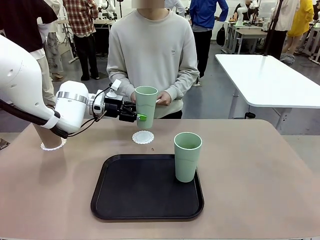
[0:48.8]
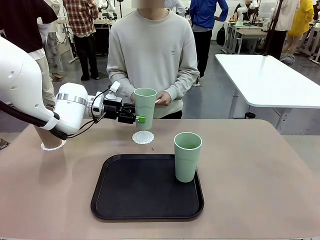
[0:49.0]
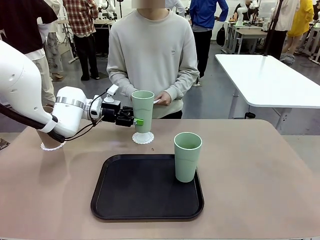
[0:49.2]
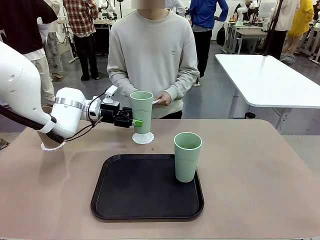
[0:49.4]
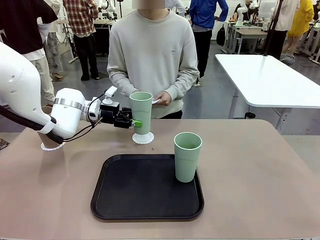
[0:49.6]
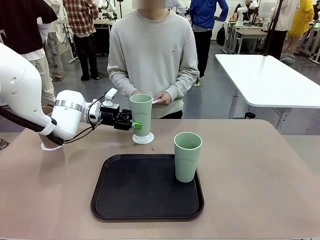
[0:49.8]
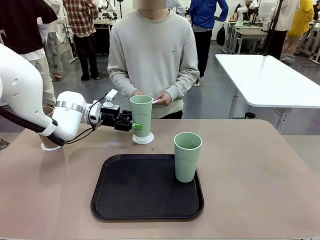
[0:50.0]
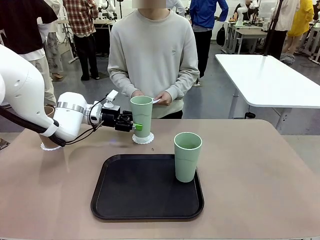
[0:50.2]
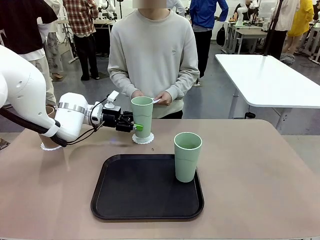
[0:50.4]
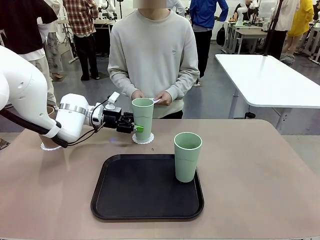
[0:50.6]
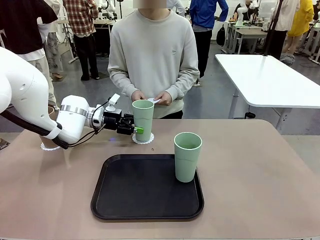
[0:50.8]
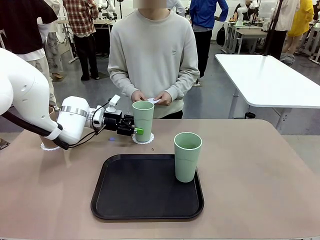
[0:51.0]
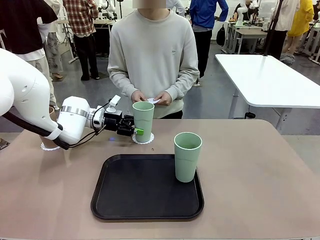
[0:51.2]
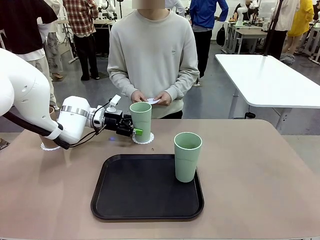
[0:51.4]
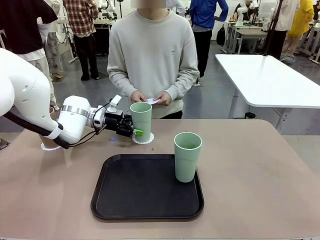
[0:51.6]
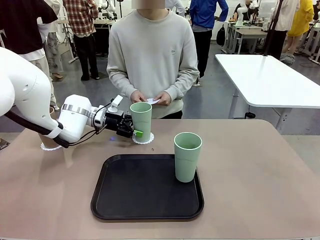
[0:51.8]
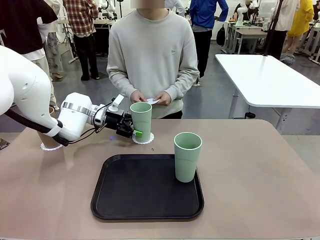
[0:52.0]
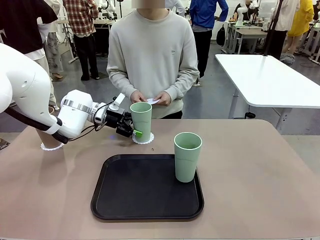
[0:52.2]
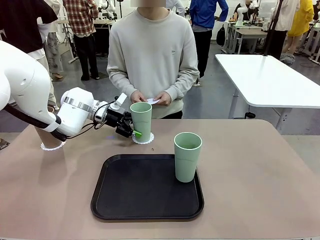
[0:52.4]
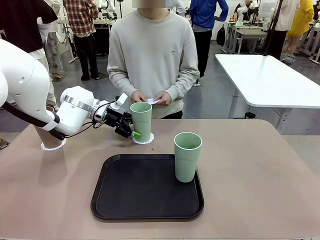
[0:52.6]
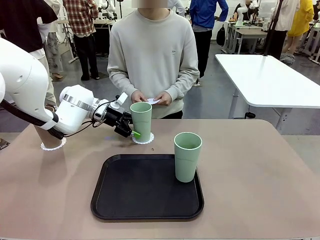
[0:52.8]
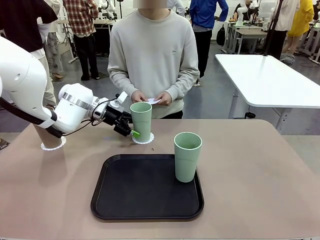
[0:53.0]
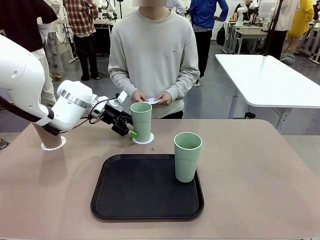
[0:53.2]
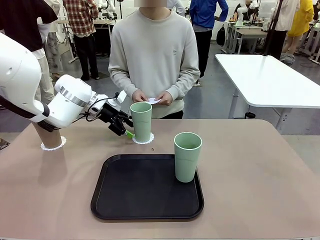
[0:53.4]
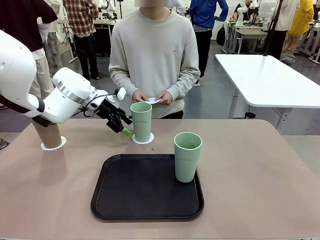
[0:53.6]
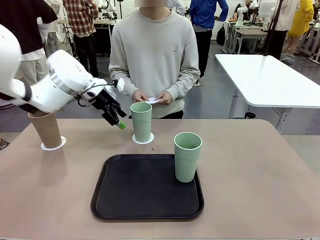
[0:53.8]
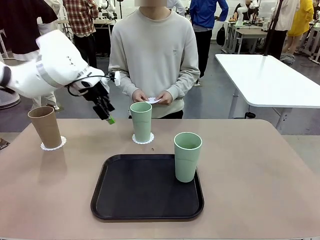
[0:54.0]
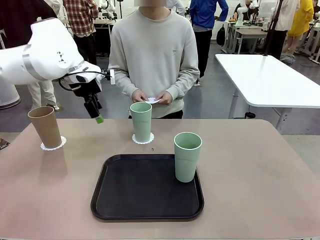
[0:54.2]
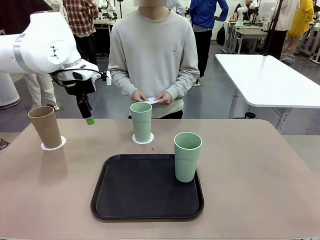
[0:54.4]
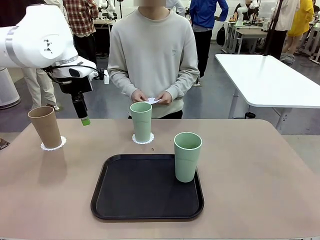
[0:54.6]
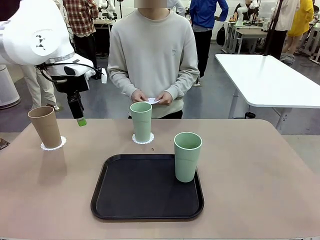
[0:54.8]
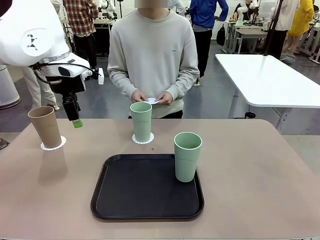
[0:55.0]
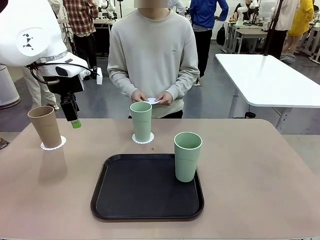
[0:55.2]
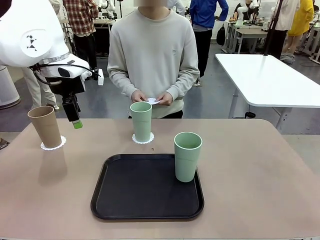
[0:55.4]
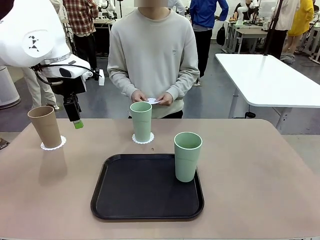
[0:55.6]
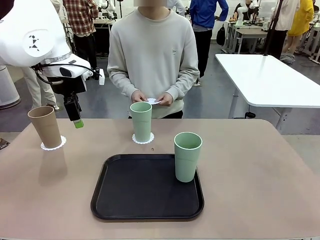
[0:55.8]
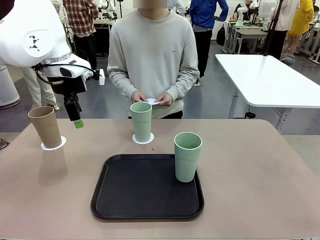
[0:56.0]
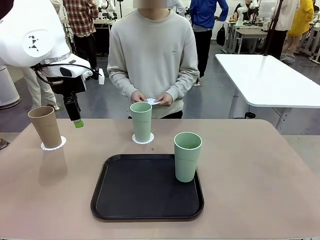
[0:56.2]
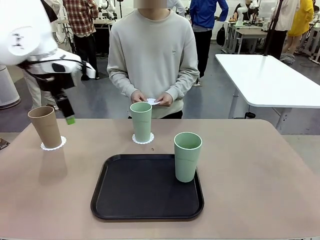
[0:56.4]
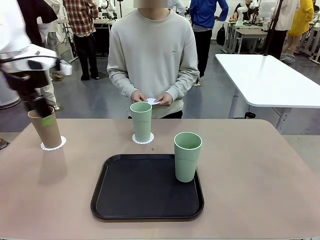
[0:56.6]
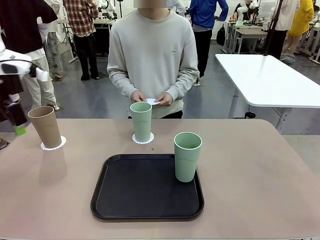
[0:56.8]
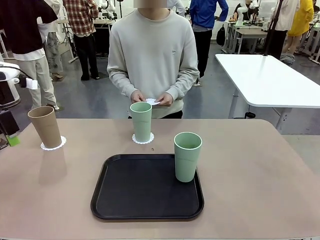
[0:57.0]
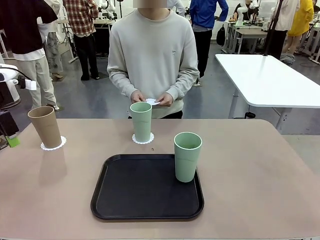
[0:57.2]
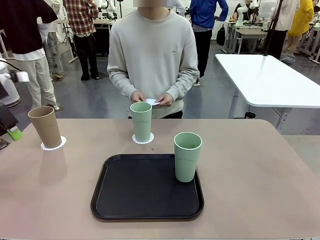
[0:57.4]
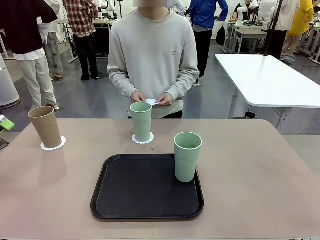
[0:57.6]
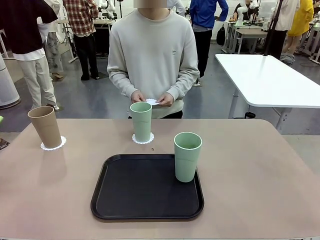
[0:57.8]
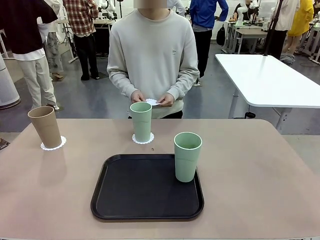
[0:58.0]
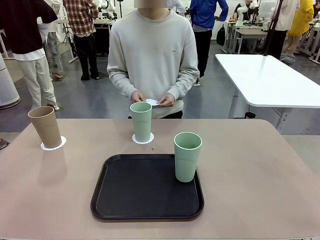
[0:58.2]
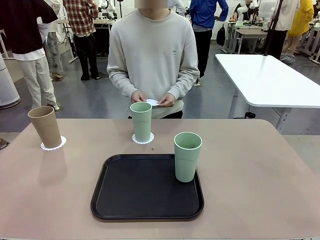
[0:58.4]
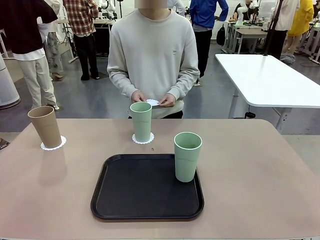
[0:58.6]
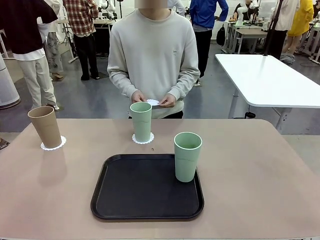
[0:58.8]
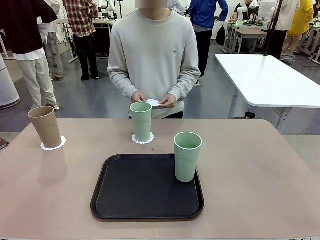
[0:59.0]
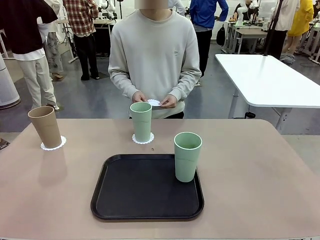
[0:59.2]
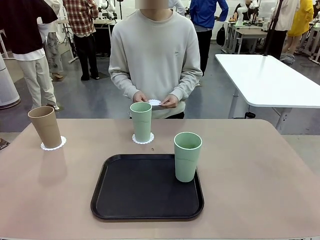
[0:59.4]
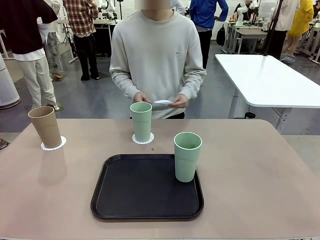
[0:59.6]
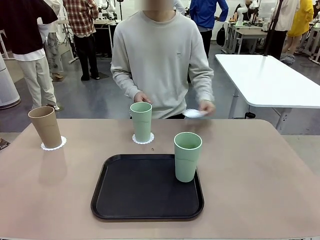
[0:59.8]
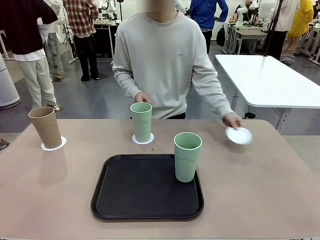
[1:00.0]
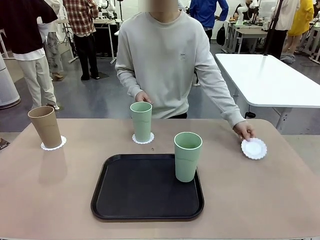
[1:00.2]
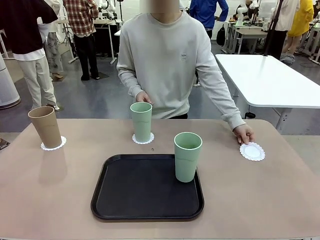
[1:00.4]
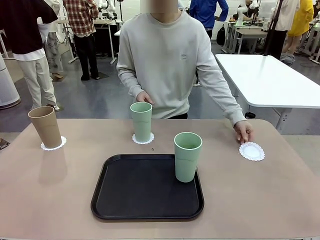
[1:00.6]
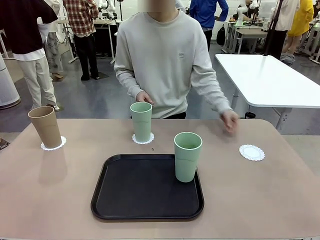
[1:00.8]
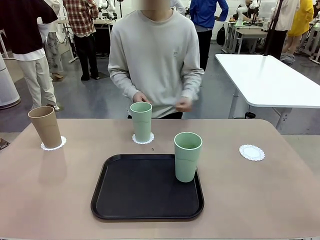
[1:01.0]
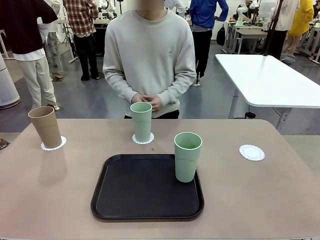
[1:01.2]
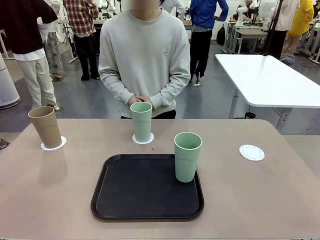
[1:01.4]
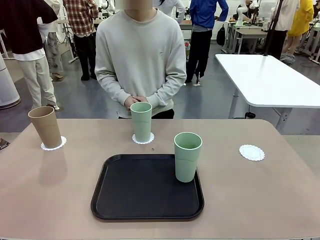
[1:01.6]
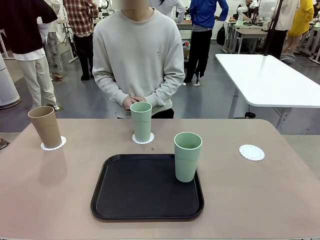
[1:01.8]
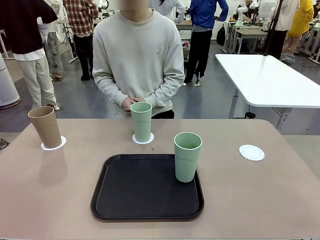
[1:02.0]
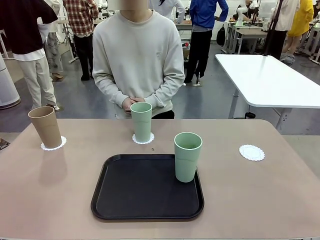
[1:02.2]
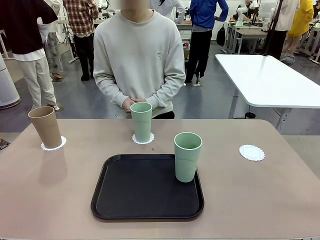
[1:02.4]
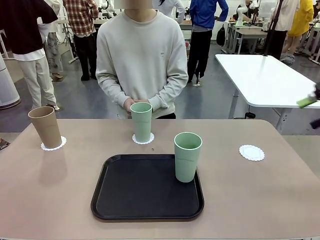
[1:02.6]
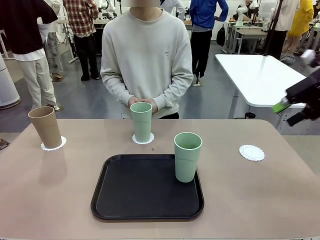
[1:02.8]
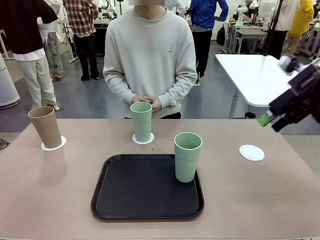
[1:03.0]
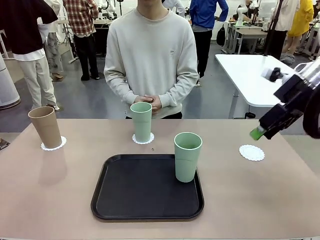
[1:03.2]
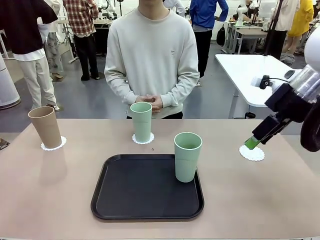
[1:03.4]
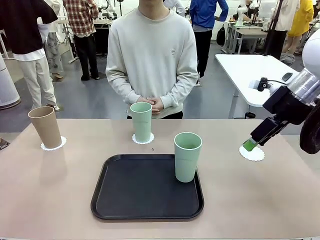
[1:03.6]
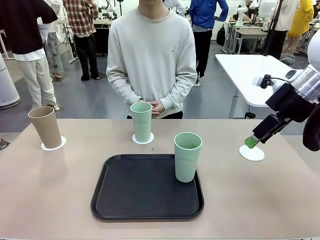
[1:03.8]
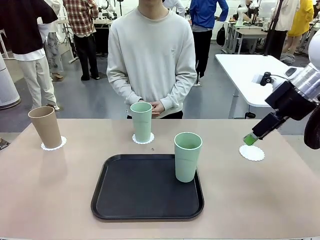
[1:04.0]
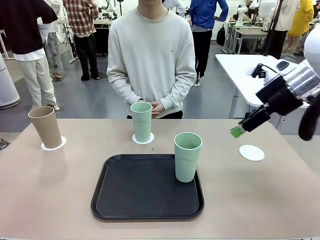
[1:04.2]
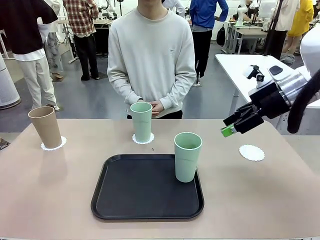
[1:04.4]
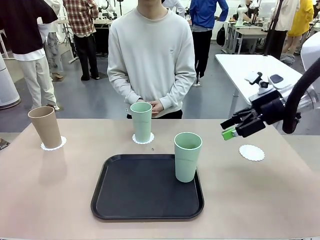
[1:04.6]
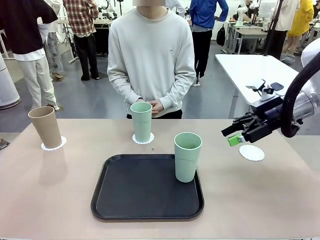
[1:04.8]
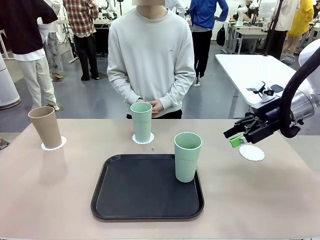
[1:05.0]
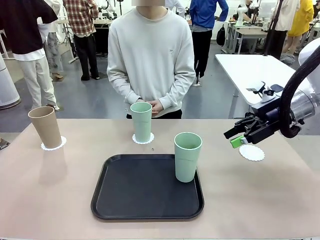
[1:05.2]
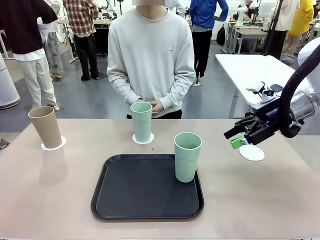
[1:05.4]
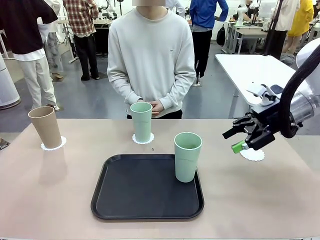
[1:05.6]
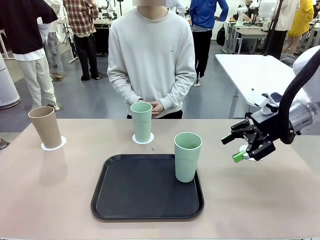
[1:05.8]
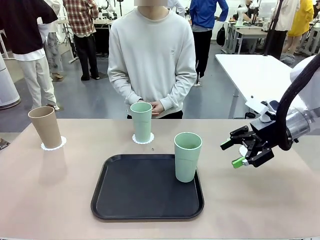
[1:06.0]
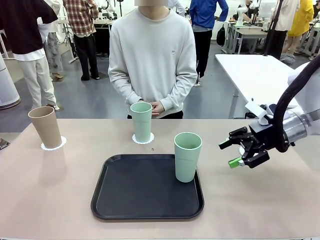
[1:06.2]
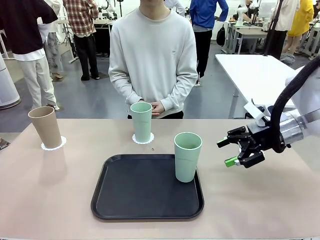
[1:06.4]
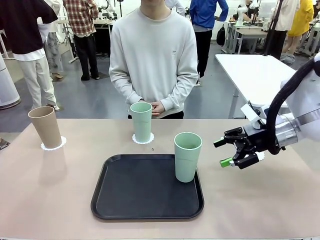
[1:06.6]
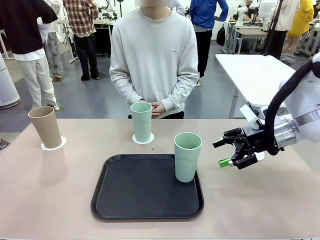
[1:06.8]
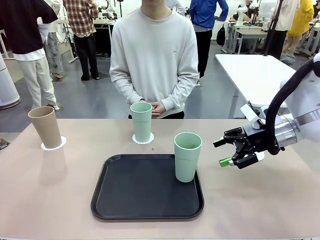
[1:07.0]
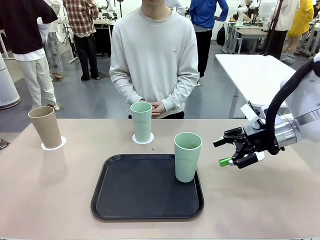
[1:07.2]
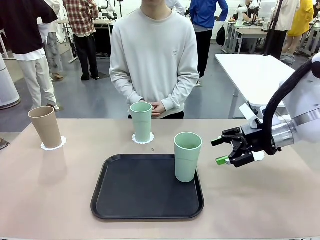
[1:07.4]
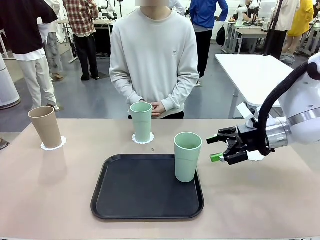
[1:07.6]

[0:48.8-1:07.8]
Task: Place coasters on the table and set cups on them.
Robot: Take one Reusable plastic cup from the Flat Tray and place it on a coaster set by the human.
